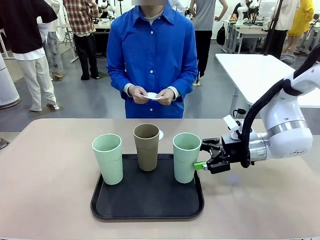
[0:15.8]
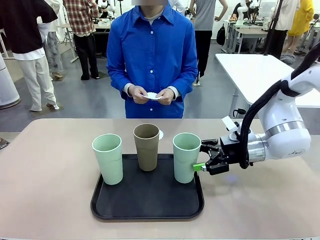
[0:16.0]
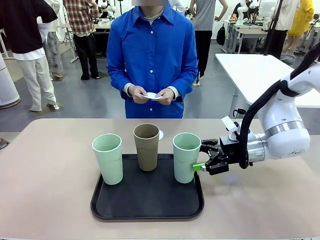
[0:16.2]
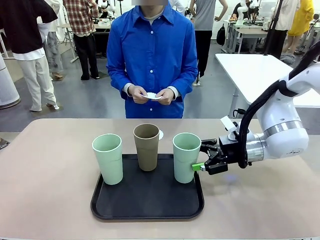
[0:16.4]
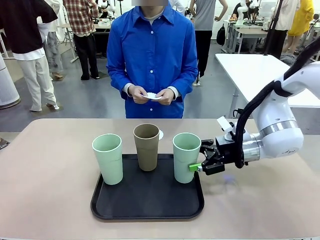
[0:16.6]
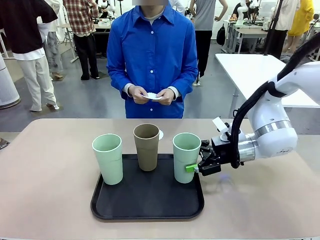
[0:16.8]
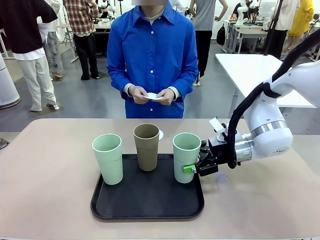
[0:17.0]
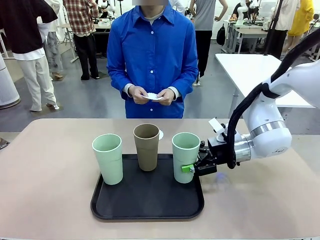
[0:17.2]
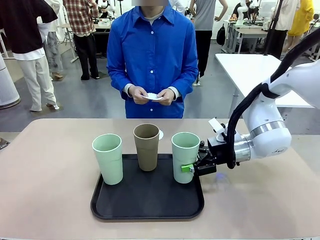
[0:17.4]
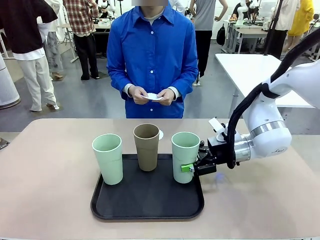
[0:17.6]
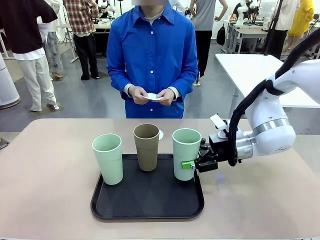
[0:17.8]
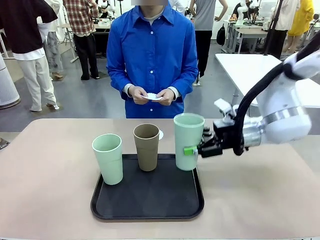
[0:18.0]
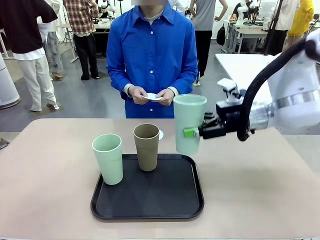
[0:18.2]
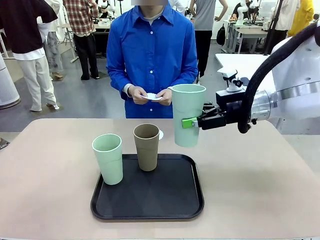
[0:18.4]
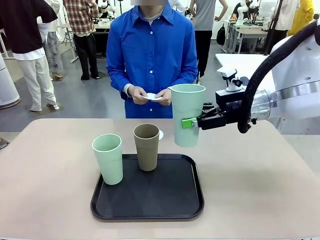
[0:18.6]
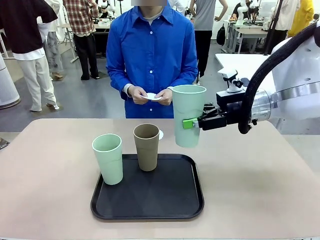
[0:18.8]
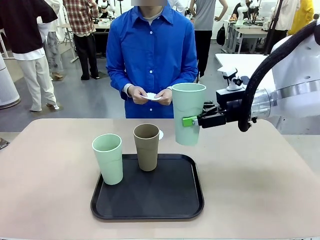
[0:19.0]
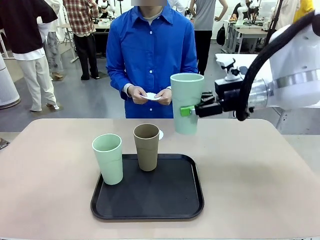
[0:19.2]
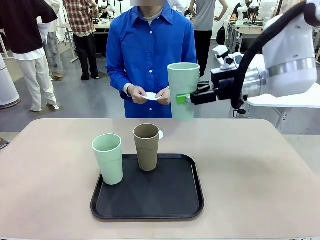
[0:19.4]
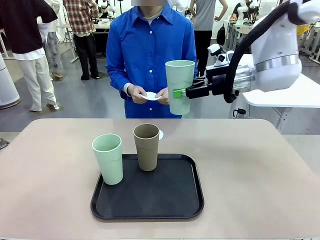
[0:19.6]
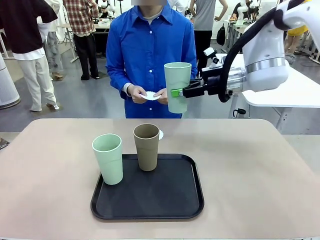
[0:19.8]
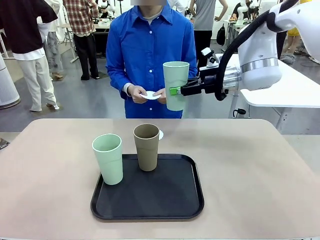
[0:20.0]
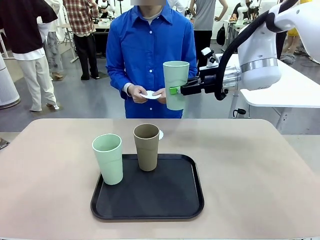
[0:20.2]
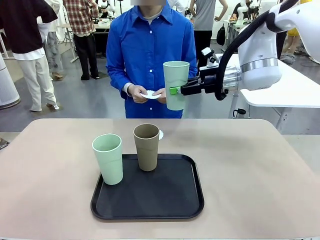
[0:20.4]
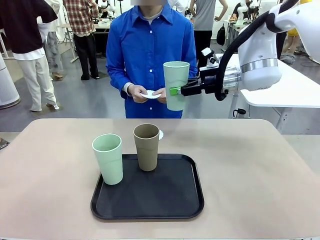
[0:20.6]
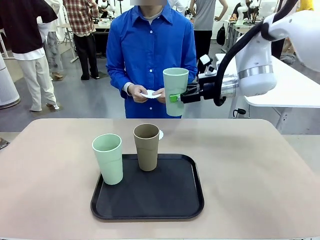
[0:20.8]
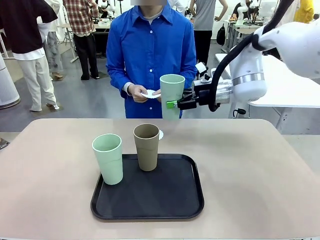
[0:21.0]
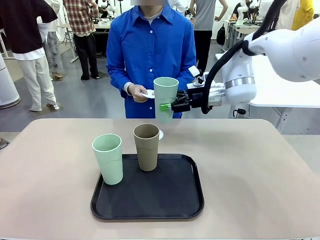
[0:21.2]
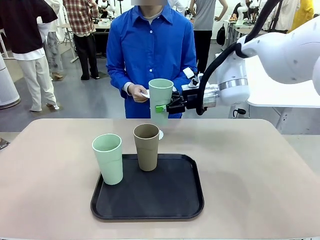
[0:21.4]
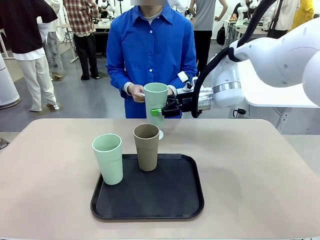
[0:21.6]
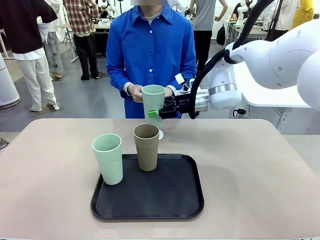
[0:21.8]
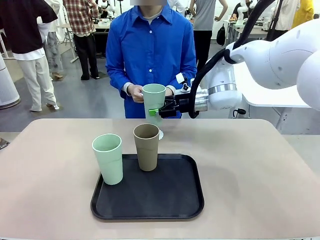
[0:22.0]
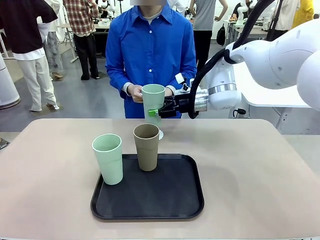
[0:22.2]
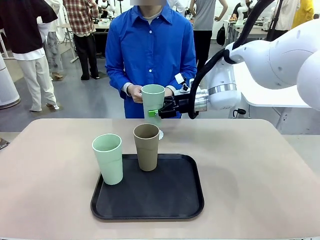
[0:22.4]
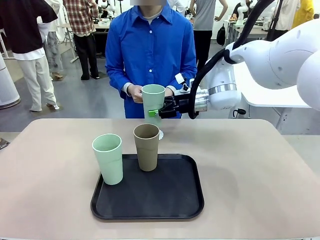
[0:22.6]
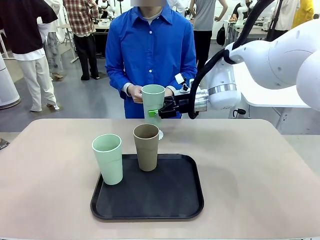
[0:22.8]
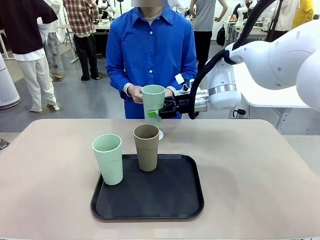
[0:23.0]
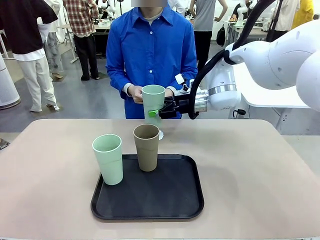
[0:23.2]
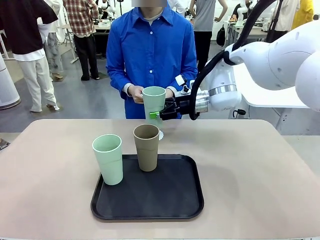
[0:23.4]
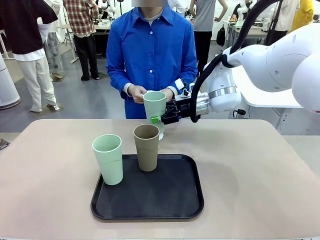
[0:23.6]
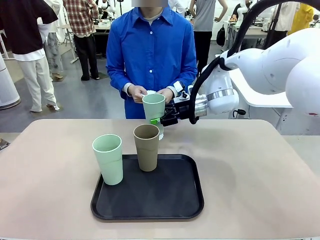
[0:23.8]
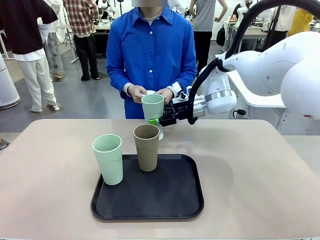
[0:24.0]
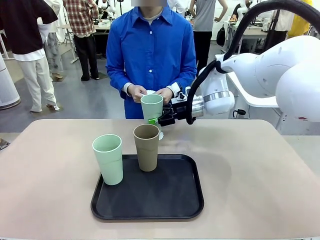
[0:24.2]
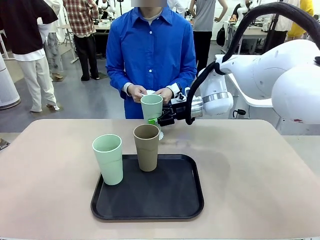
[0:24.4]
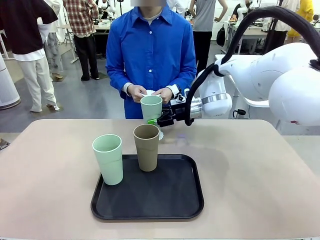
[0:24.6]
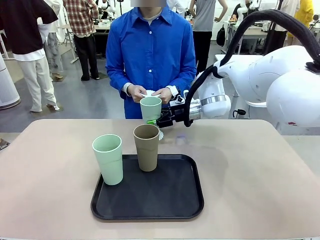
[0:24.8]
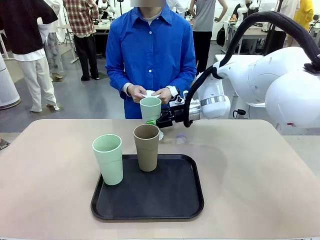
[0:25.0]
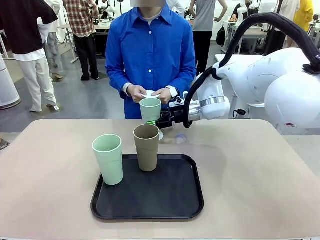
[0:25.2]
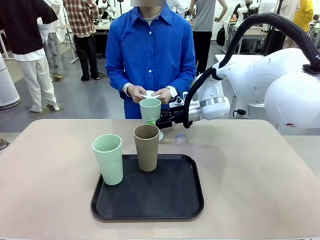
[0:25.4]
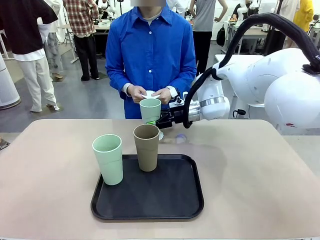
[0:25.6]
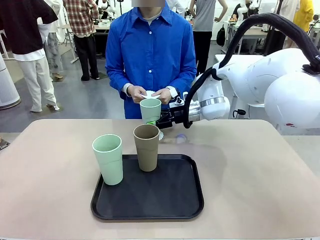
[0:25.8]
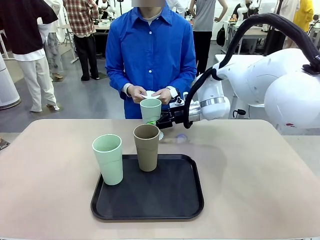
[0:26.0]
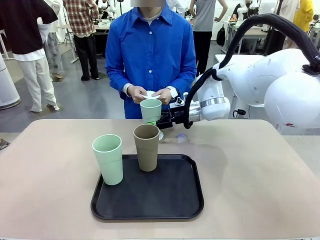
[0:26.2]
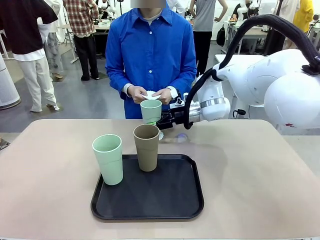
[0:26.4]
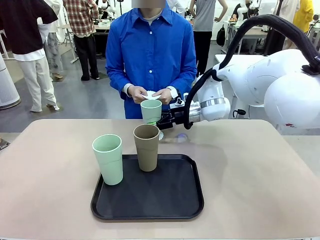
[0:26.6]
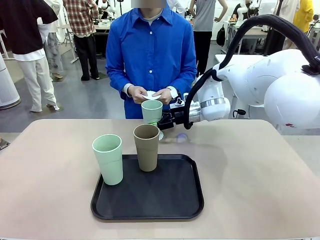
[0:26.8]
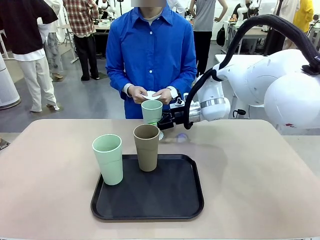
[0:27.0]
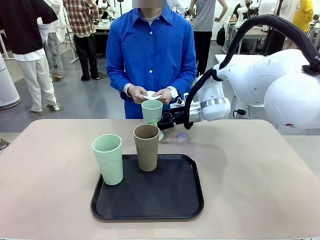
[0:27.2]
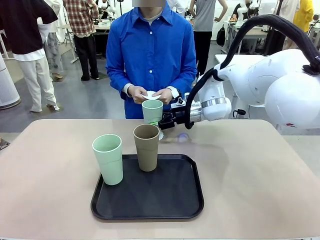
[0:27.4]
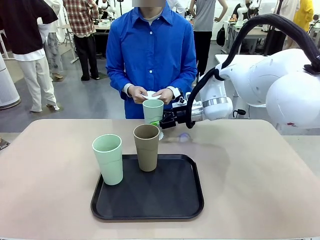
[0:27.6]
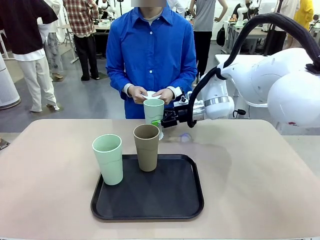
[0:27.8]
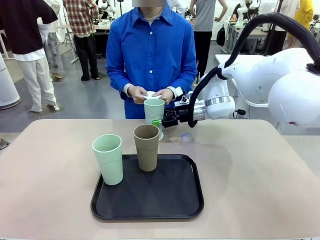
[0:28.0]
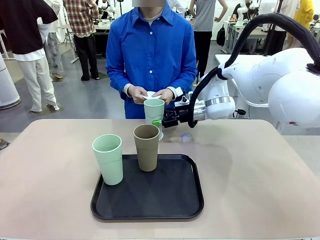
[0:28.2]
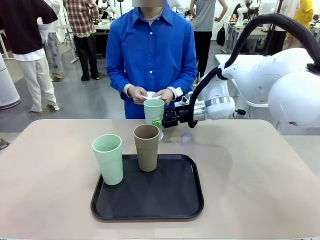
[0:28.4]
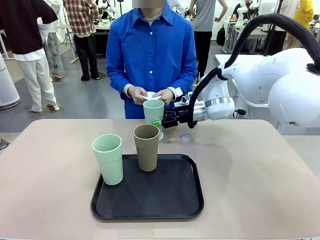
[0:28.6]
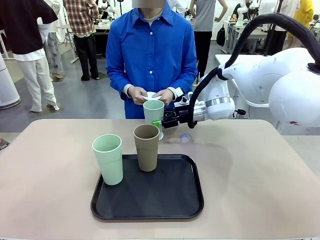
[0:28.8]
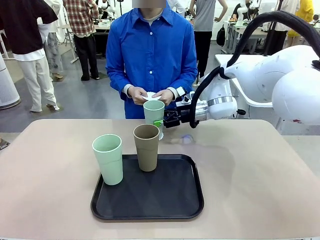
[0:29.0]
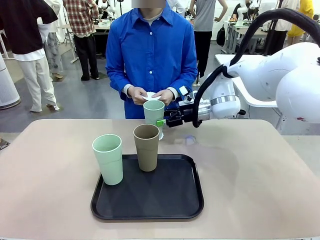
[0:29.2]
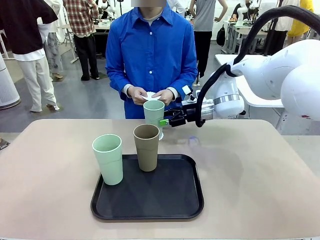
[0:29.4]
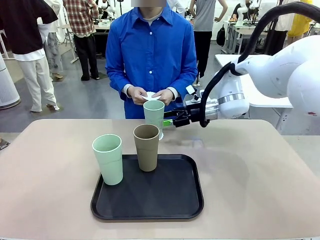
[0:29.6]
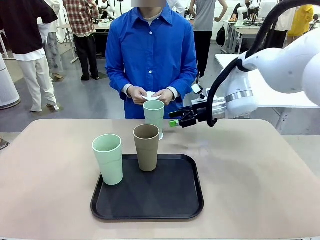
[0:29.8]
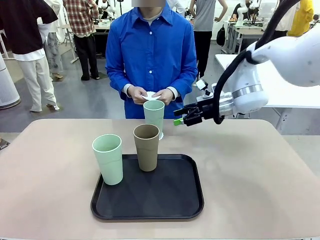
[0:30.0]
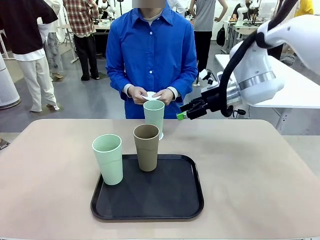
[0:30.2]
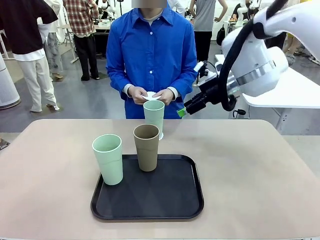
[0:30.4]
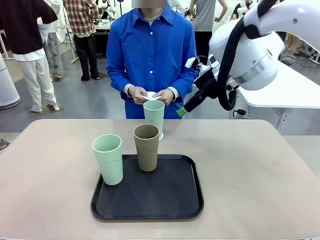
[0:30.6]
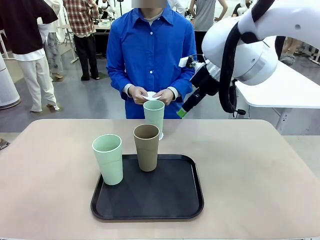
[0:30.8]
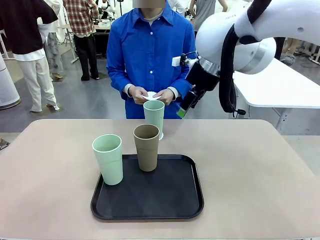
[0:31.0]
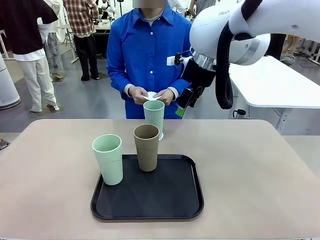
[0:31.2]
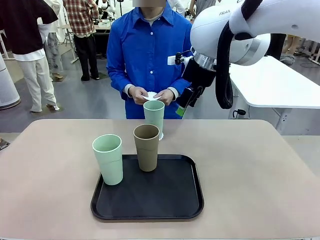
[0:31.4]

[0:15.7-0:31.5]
Task: Place coasters on the table and set cups on them.
Robot: Pick up one Reusable plastic cup and place it on a coaster set by the human.
